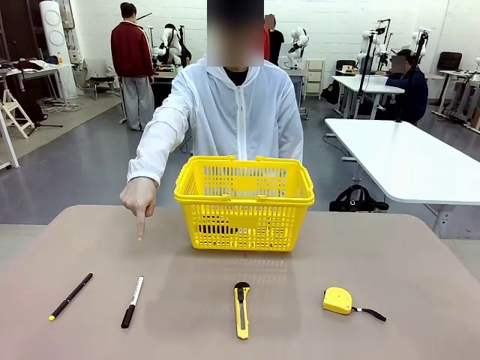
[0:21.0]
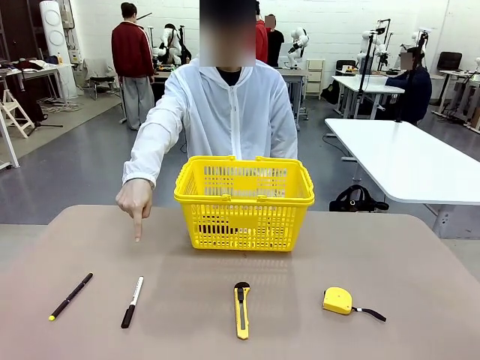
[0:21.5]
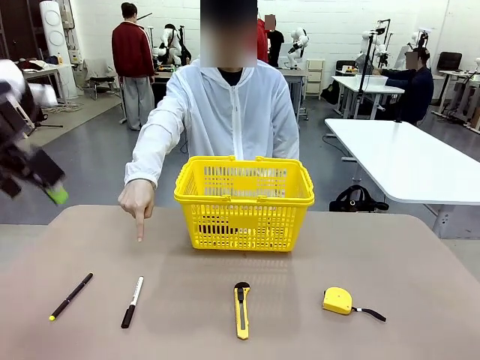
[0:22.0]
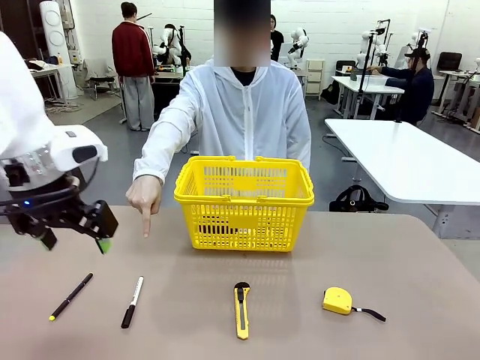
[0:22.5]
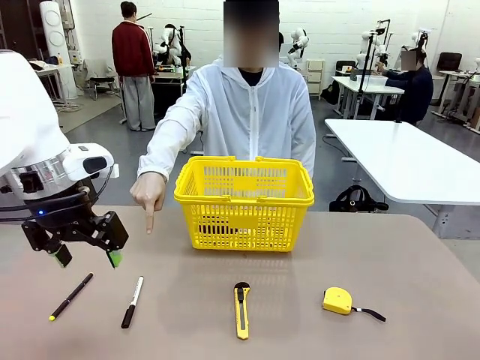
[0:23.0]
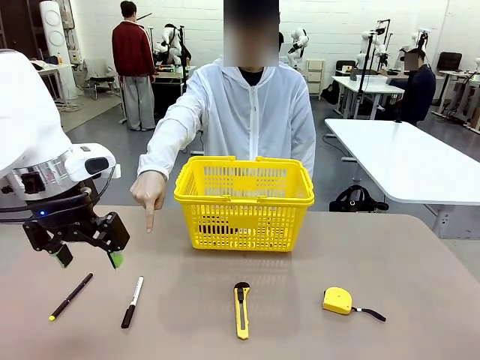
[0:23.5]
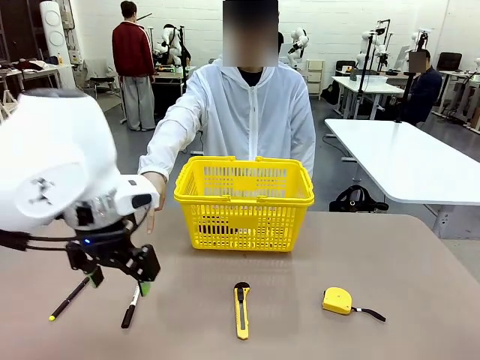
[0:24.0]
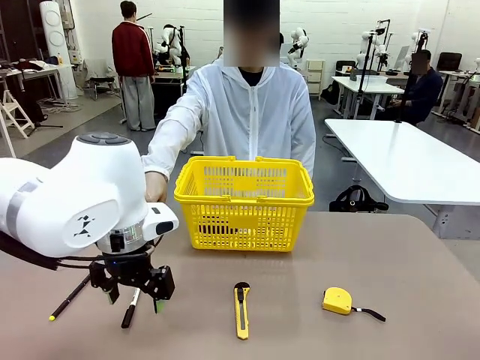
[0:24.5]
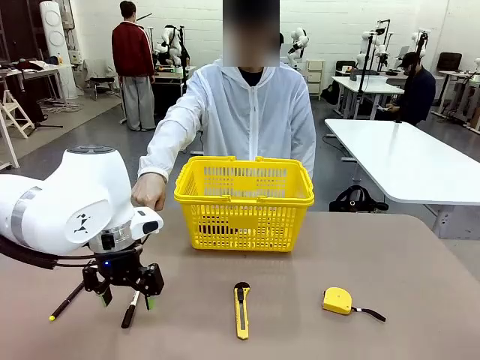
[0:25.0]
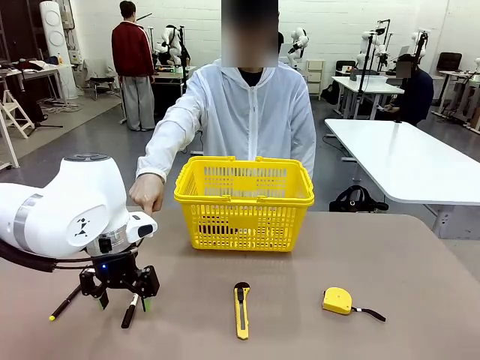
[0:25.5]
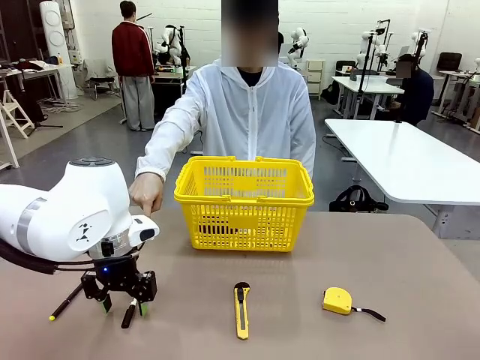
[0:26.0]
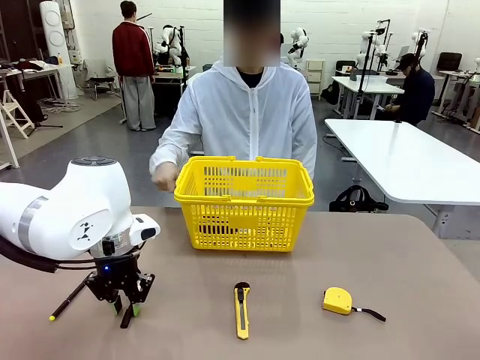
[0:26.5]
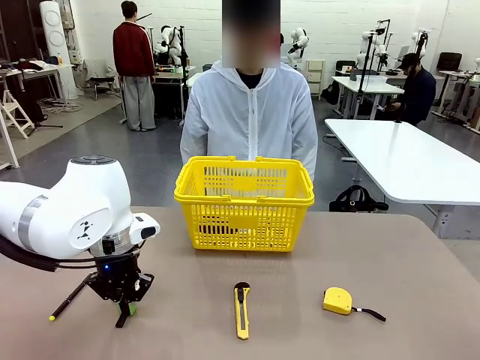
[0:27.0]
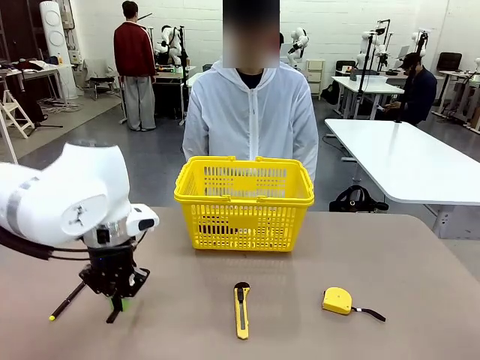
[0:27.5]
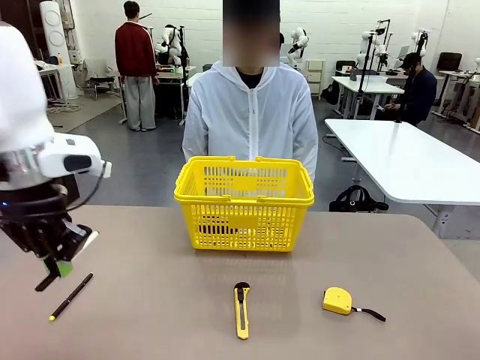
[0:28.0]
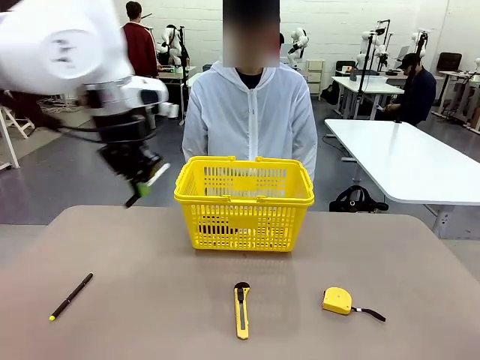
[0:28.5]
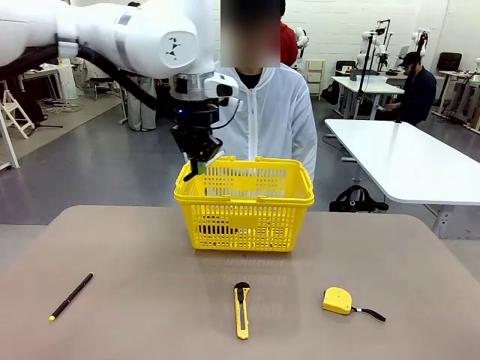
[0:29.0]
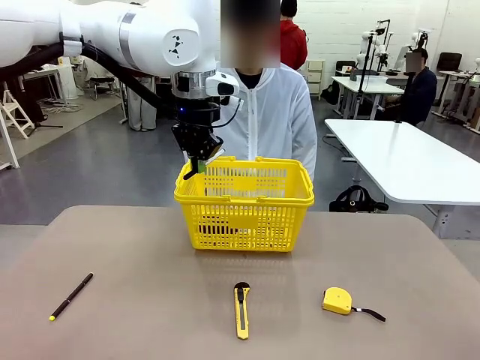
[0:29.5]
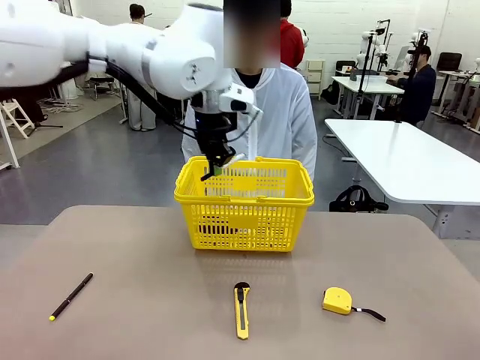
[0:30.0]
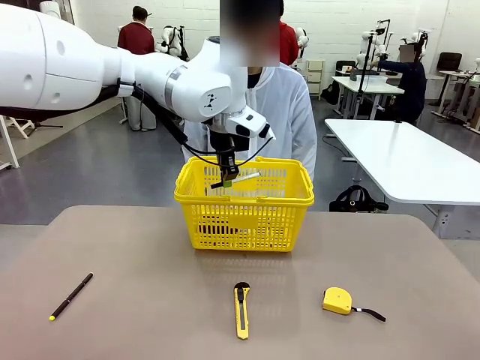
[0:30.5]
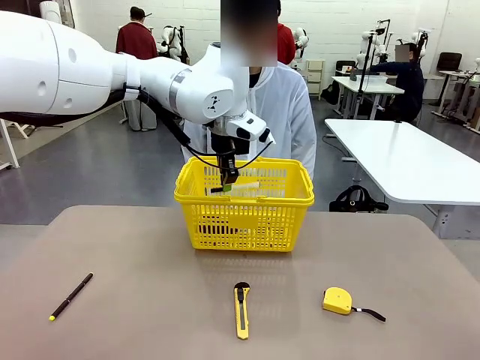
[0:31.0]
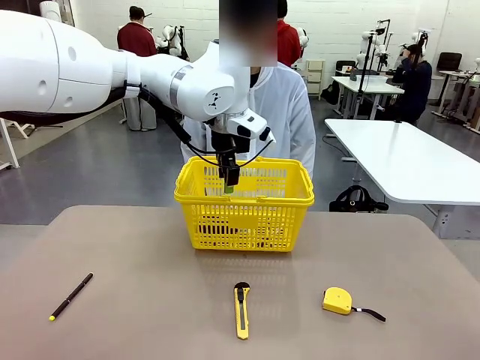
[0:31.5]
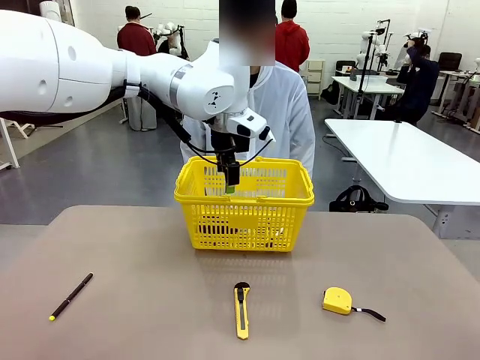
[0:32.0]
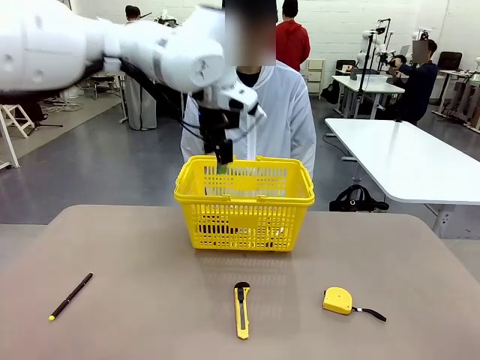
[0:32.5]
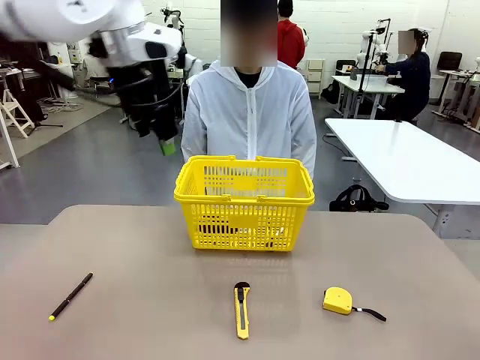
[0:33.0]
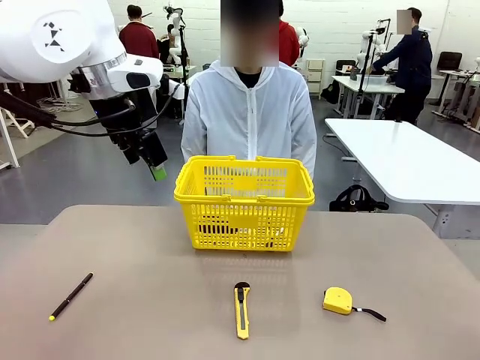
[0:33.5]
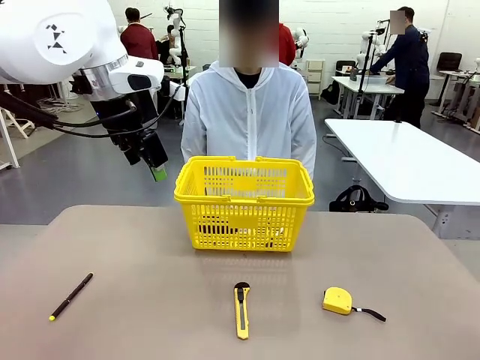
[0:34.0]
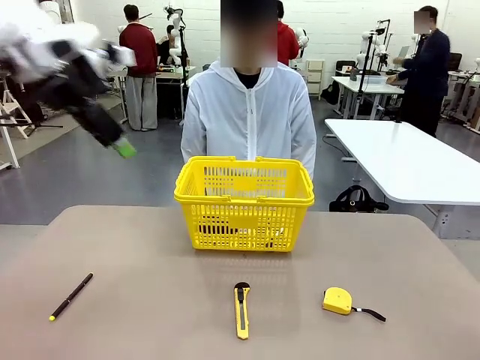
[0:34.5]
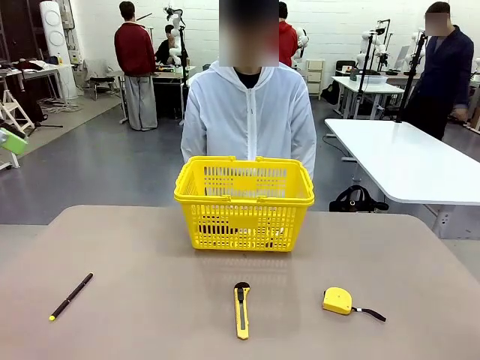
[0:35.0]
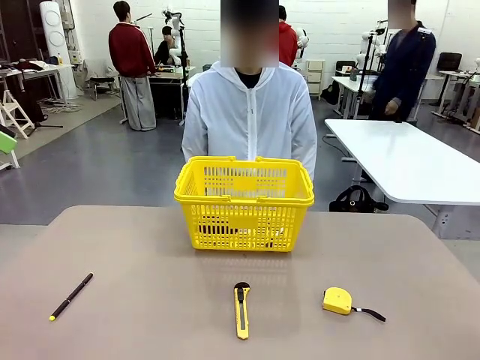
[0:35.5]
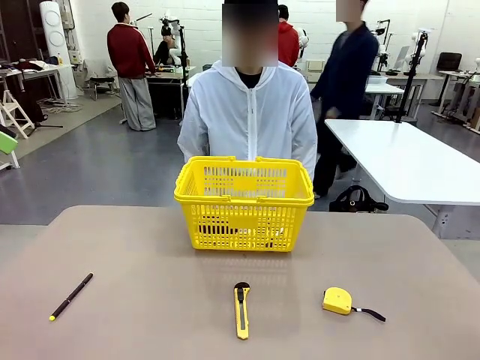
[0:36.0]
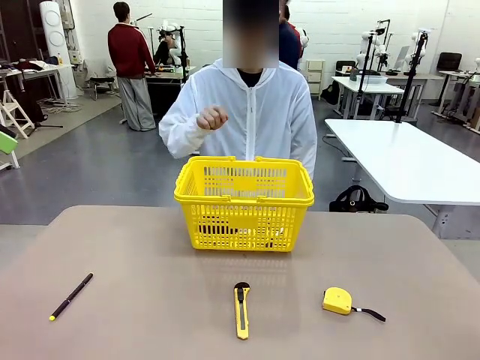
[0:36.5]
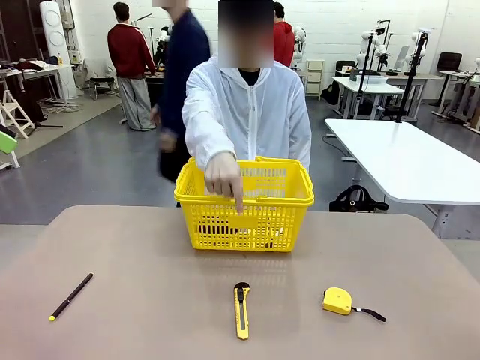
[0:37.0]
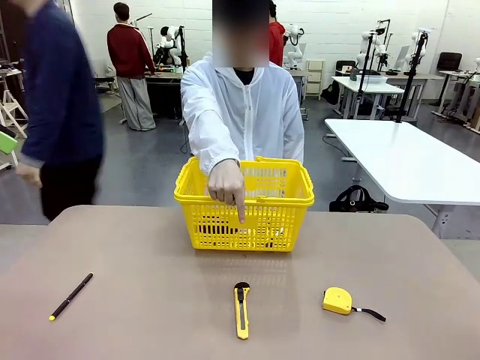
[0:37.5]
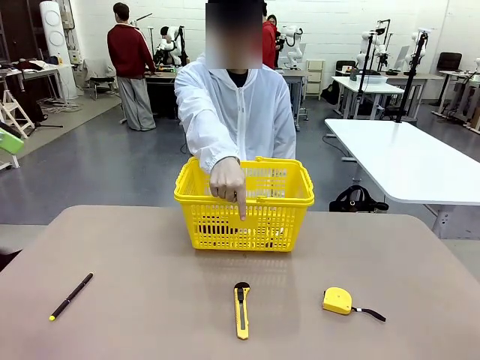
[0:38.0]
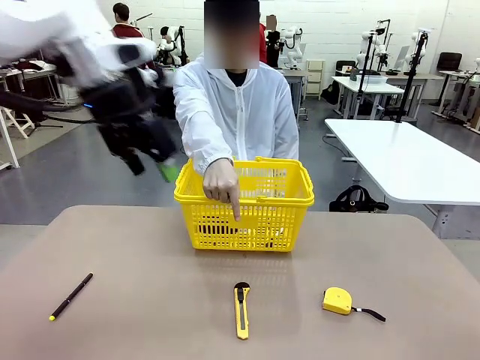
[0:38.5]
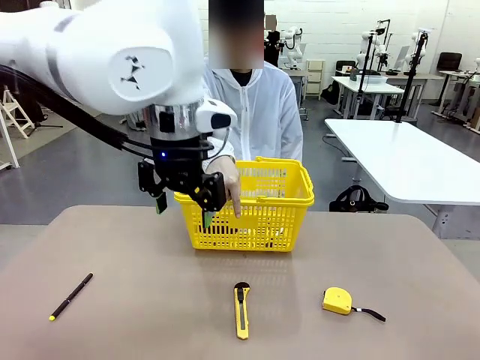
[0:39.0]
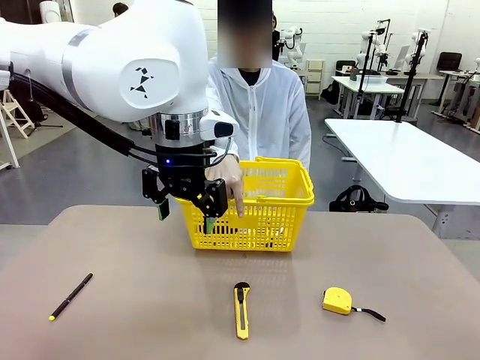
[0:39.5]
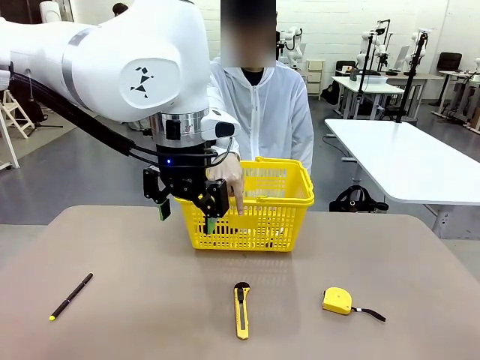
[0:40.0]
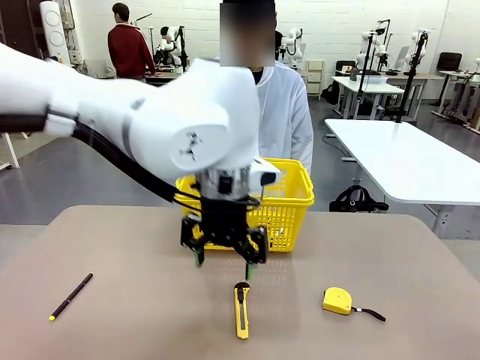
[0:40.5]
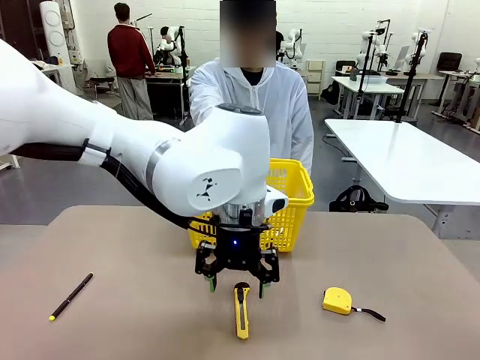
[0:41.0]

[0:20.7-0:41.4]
Task: Place the items the person wants into the basket.
Robot: Pick up the item the person points to and place it in the Market Basket.

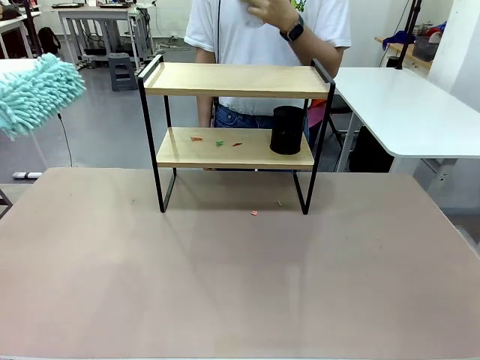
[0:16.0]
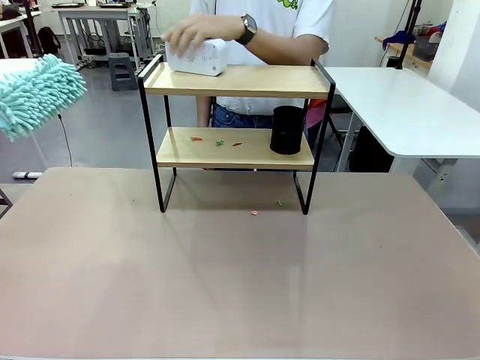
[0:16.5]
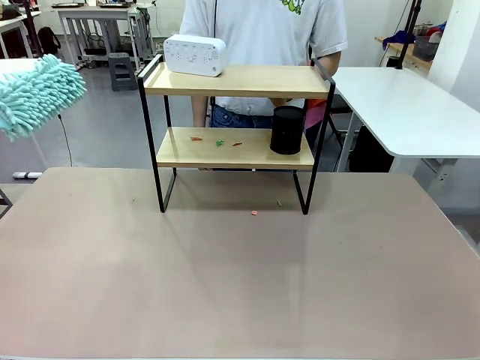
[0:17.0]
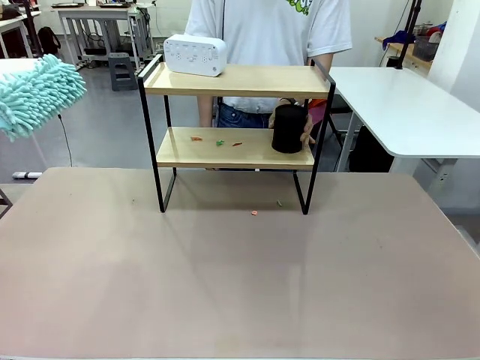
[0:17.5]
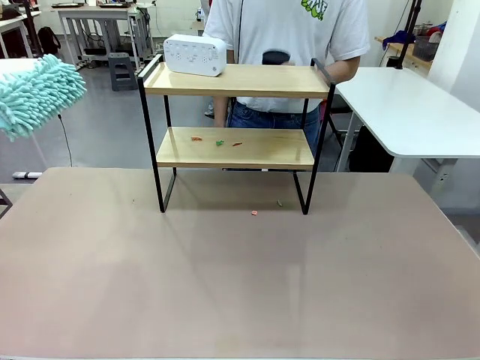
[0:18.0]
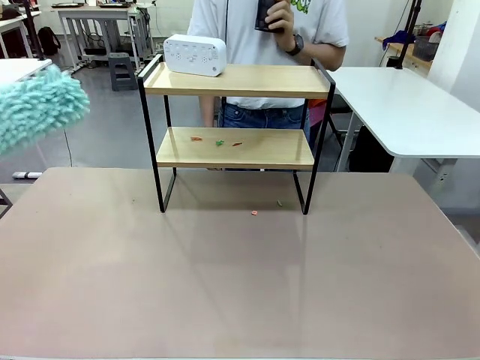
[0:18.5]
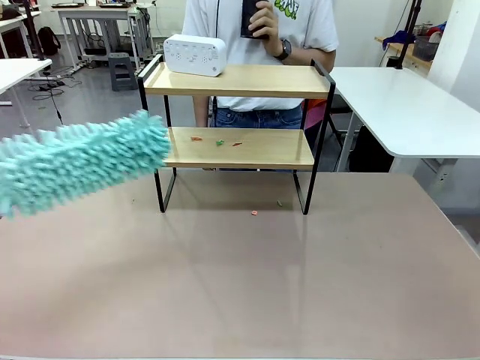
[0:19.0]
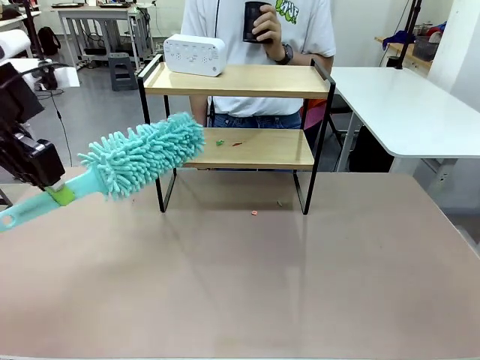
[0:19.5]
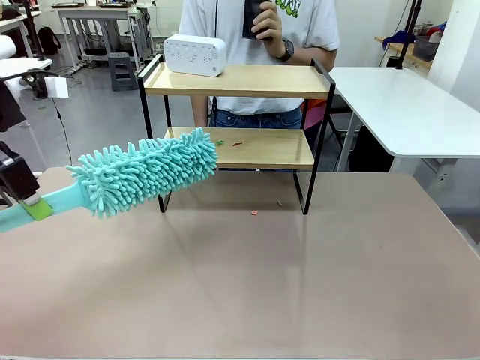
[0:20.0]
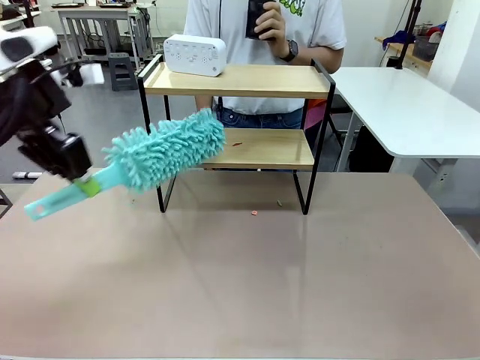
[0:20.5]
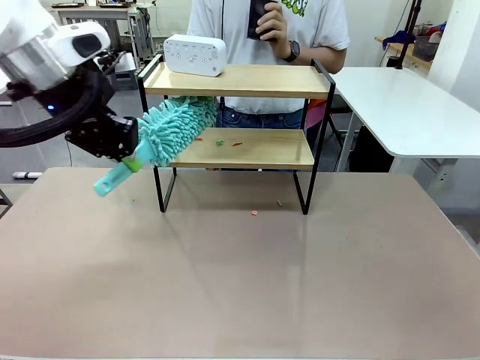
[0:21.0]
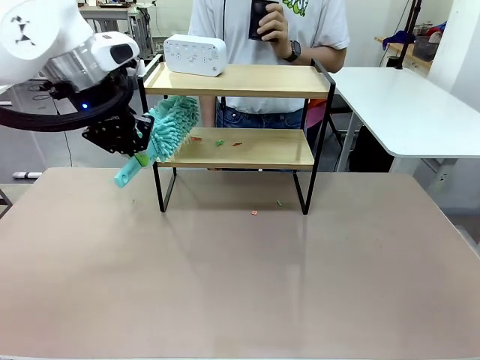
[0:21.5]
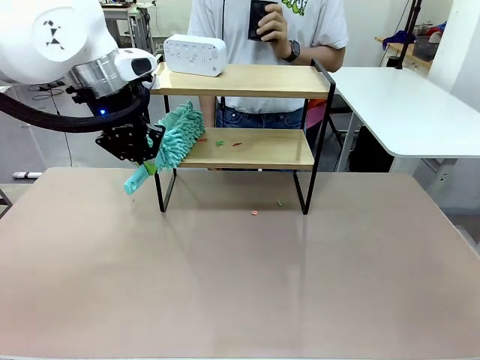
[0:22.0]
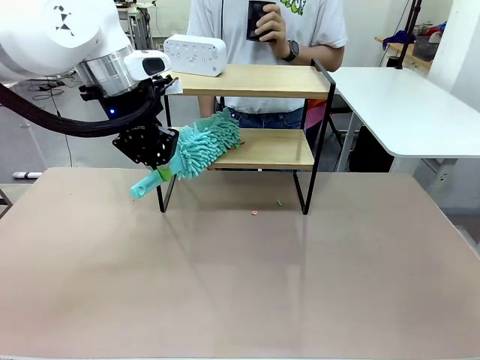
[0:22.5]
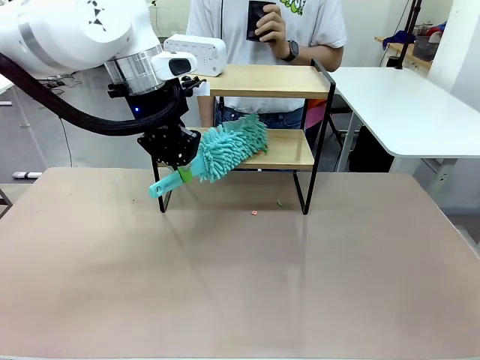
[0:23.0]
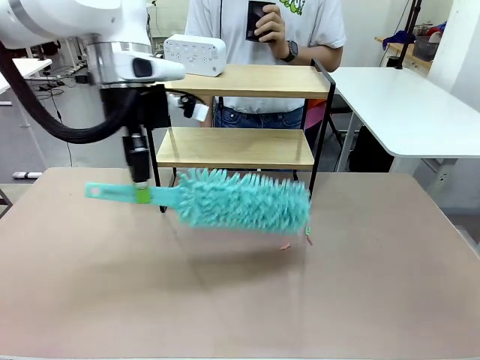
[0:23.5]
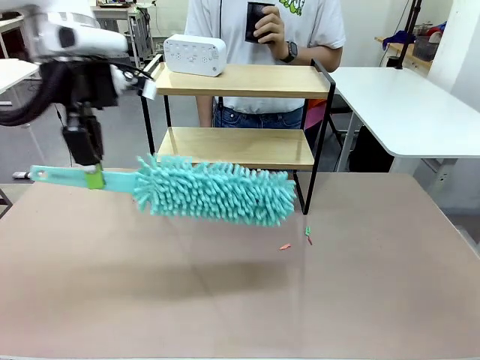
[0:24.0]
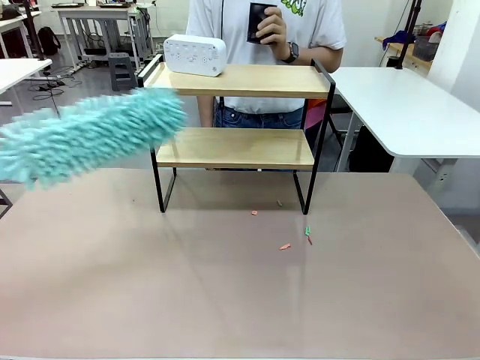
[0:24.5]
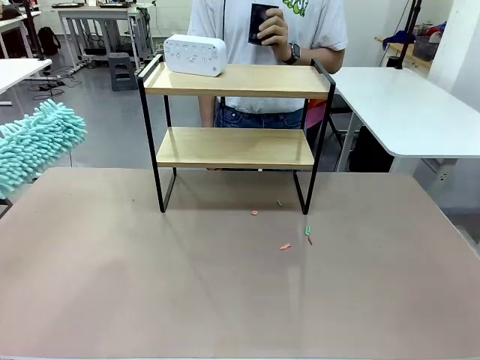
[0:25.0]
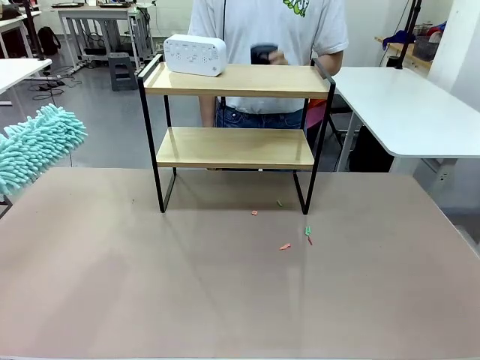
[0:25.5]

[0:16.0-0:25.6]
Task: Clean the shelf.
Robot: Clean the remaining tier of the Shelf with the Duster once objects are removed.
